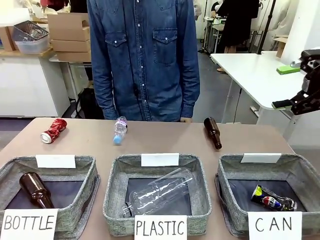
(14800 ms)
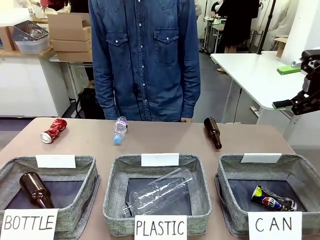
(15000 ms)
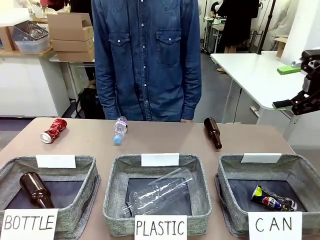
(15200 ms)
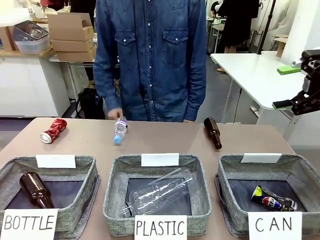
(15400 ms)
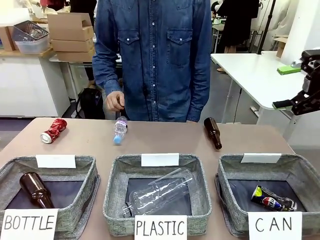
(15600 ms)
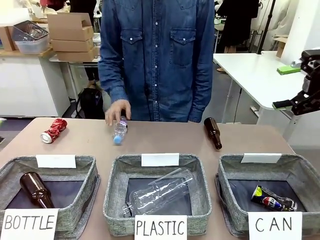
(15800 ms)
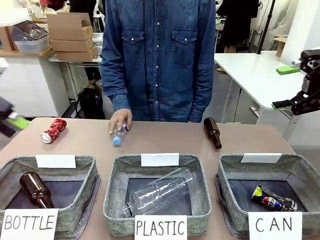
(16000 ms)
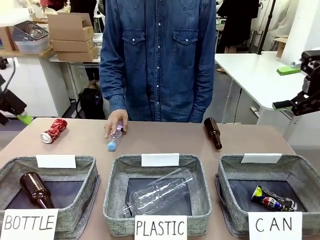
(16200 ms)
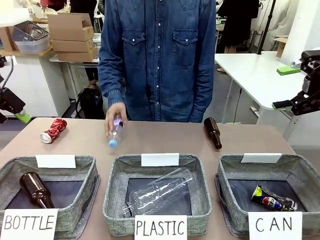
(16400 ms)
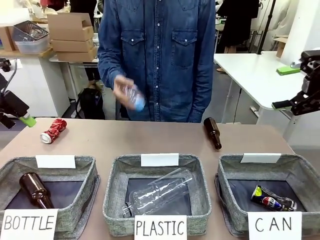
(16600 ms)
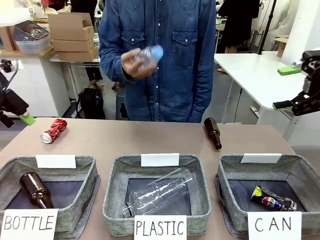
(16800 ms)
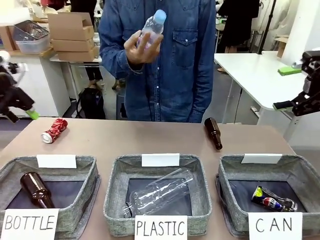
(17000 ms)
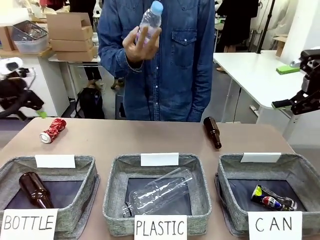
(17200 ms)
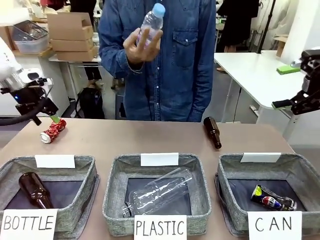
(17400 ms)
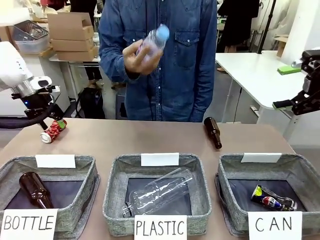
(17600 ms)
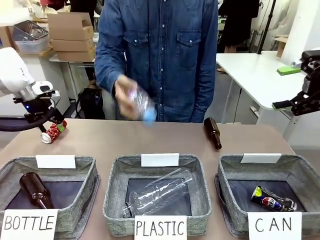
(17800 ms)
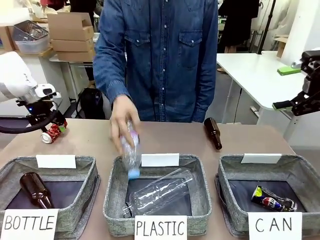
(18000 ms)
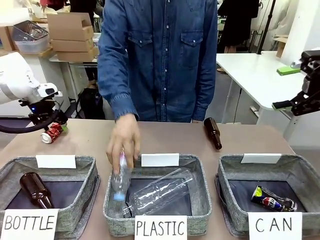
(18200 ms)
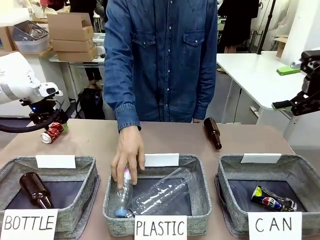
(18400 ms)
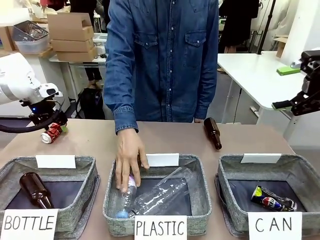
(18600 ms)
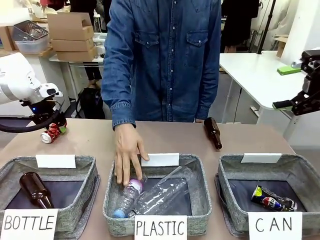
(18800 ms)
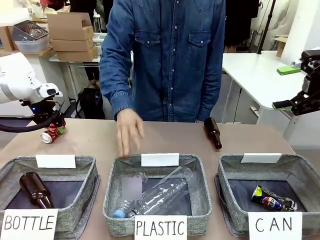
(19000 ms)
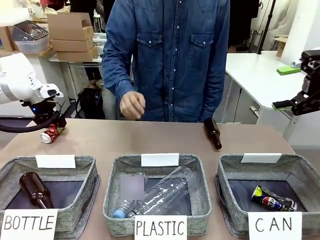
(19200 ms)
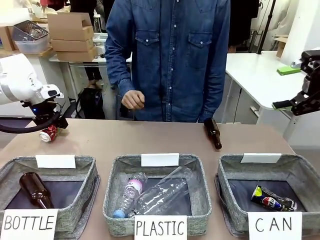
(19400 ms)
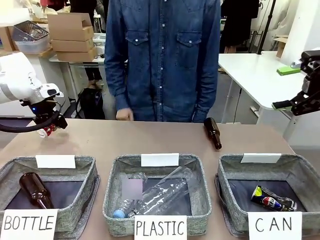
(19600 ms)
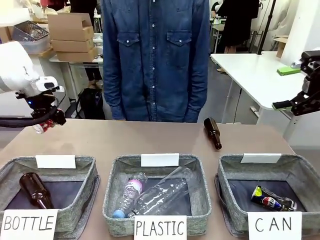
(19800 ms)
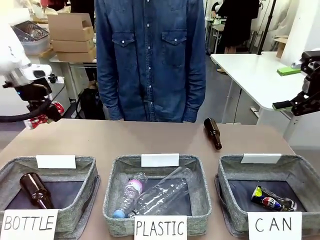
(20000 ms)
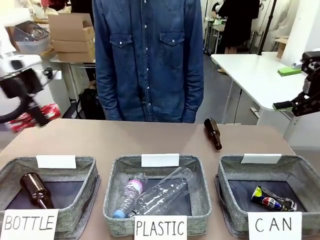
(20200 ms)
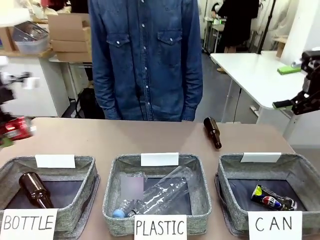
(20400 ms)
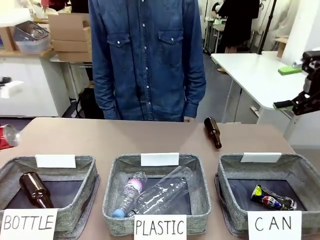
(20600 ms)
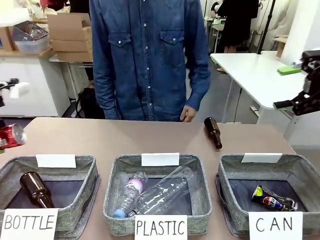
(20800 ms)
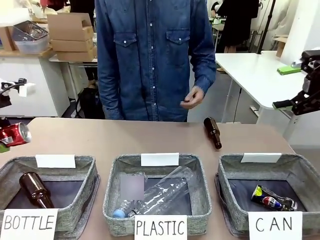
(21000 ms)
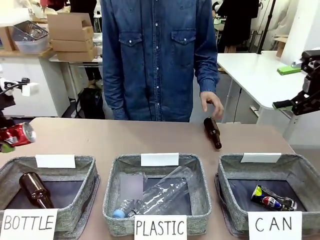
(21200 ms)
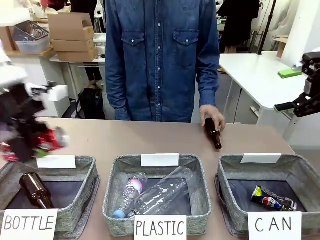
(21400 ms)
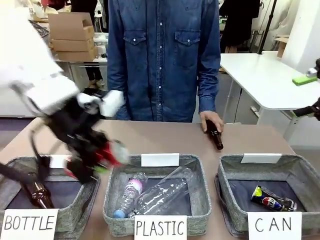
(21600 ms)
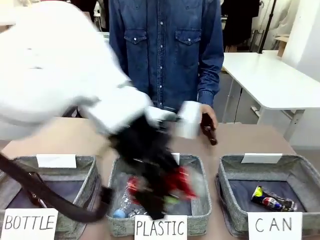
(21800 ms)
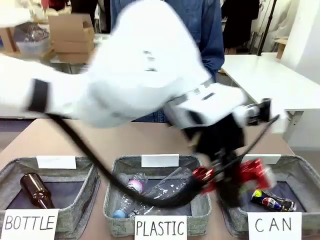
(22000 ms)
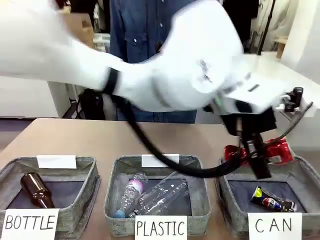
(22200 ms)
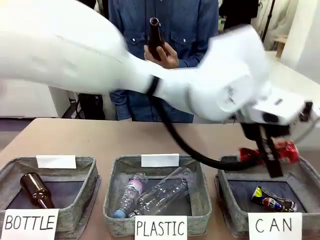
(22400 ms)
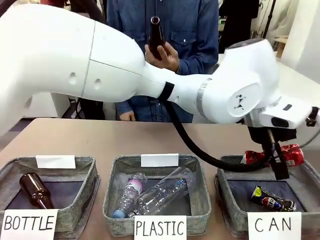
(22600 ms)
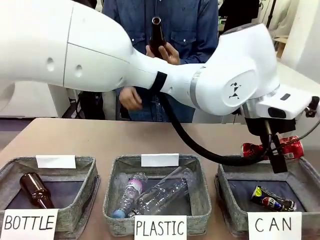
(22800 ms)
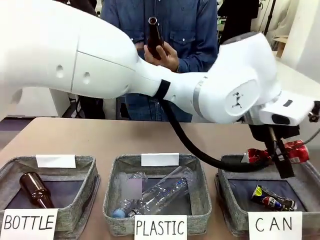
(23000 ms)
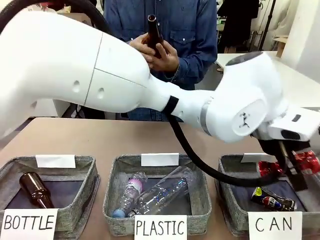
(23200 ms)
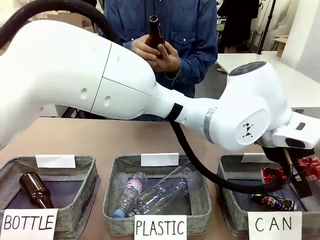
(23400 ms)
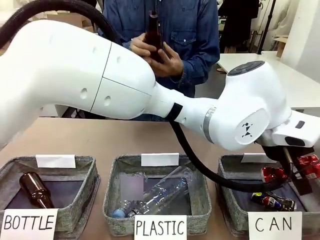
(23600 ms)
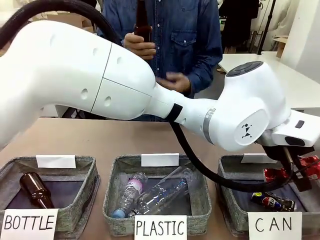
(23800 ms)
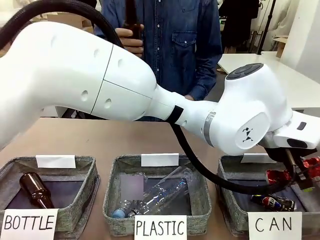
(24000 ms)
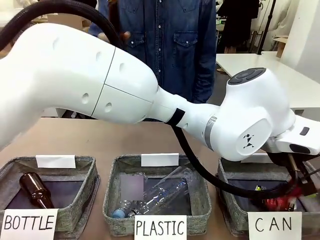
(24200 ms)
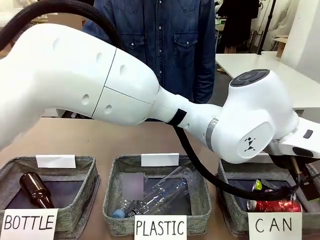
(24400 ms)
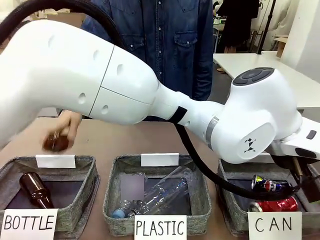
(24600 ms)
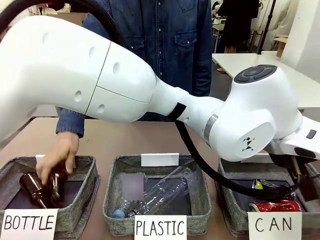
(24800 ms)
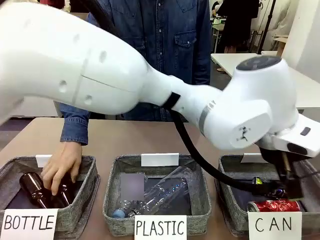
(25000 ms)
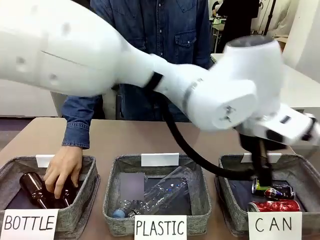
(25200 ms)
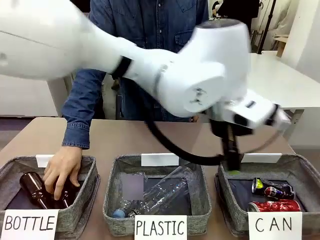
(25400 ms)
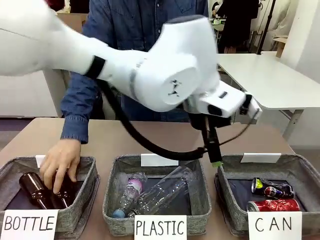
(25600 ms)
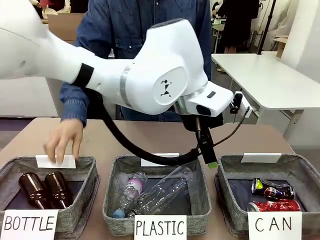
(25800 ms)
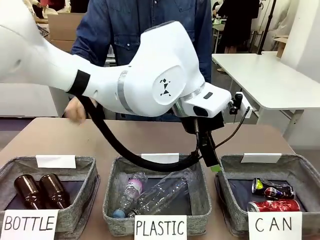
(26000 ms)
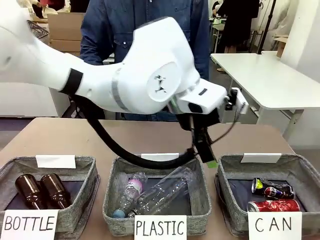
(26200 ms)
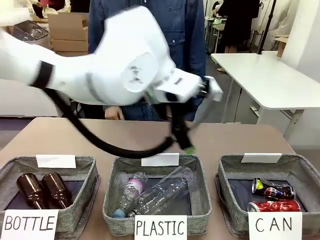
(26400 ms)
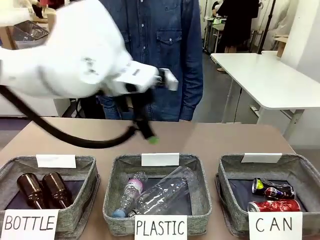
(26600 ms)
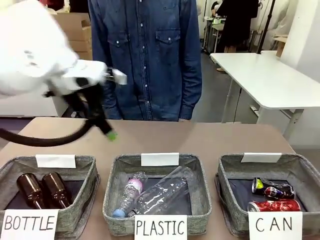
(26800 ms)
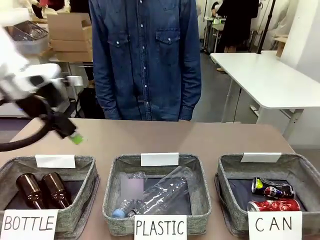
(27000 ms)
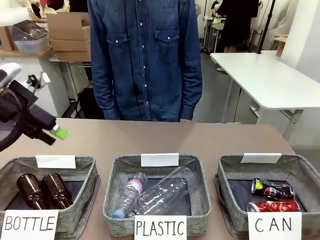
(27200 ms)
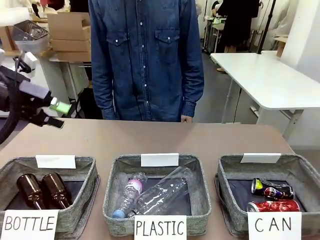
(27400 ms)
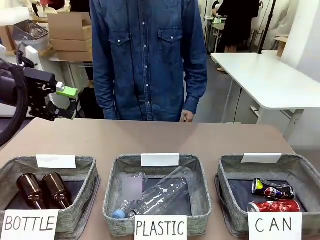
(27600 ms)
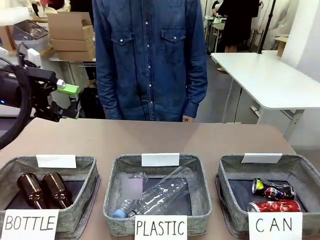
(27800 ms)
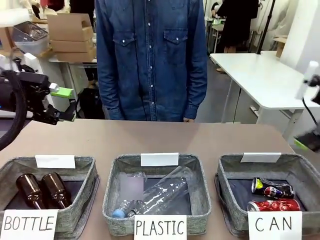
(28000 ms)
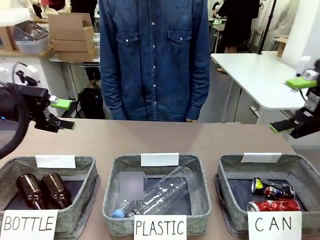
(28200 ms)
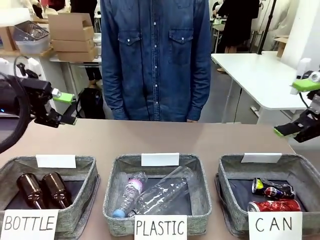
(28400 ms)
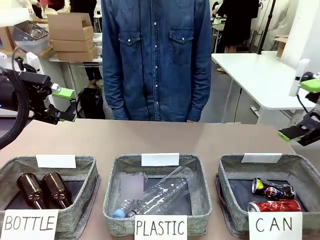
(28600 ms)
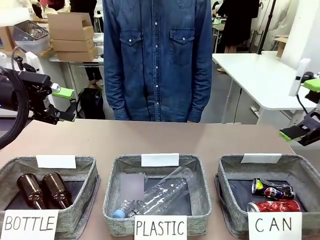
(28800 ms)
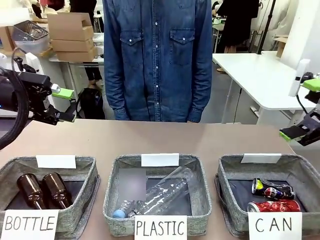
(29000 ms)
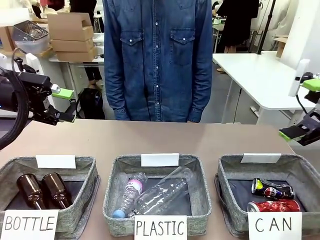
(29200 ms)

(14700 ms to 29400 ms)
Task: Sort the can waste into the basket.
Robot: Pick up the can waste from the table and place it in the right Fabric basket.
